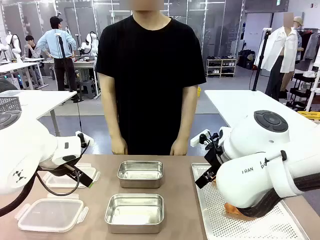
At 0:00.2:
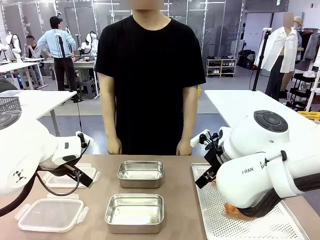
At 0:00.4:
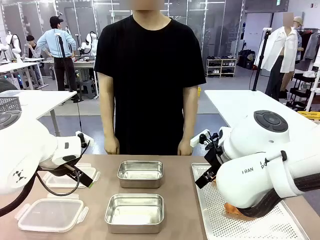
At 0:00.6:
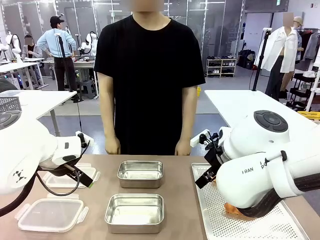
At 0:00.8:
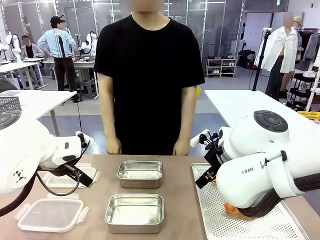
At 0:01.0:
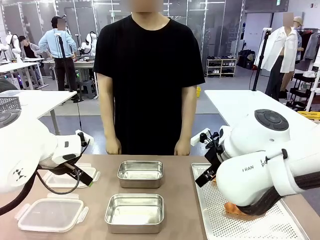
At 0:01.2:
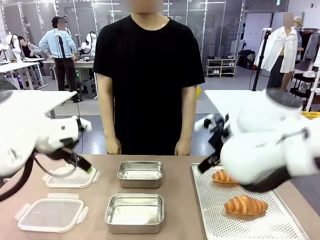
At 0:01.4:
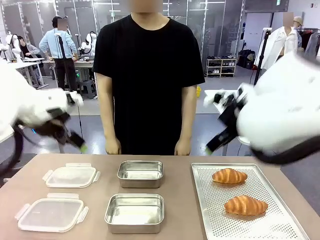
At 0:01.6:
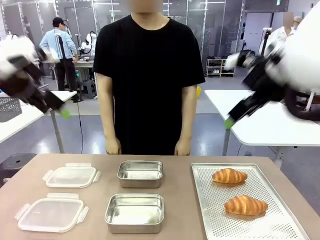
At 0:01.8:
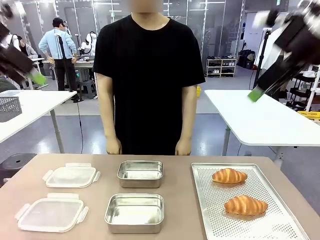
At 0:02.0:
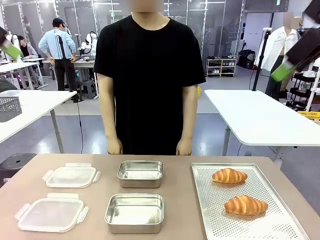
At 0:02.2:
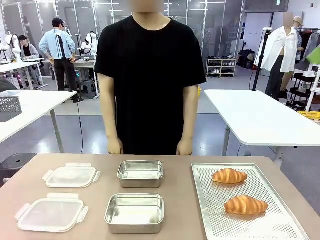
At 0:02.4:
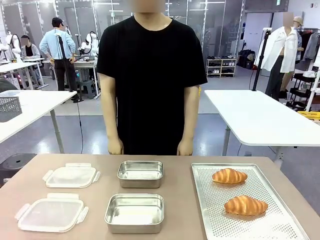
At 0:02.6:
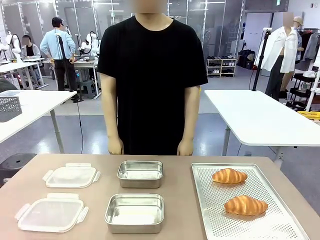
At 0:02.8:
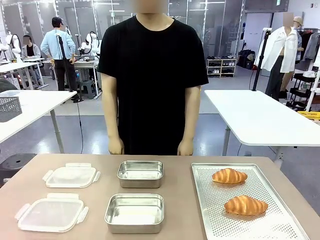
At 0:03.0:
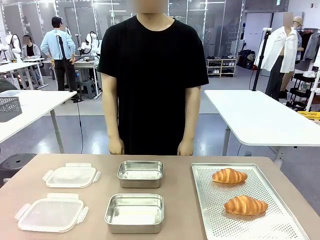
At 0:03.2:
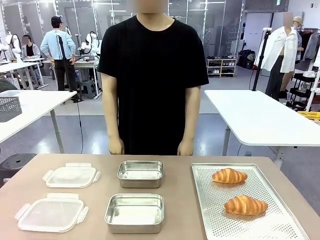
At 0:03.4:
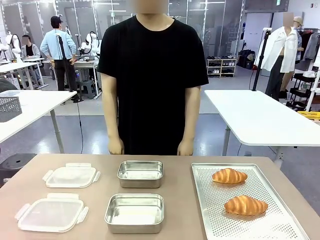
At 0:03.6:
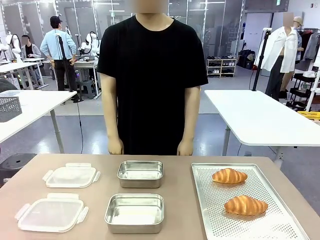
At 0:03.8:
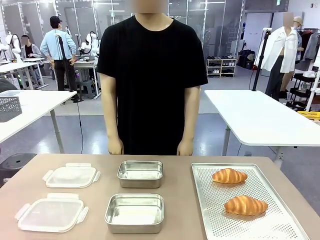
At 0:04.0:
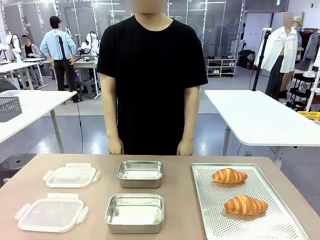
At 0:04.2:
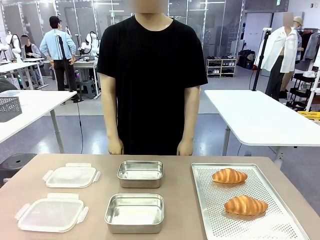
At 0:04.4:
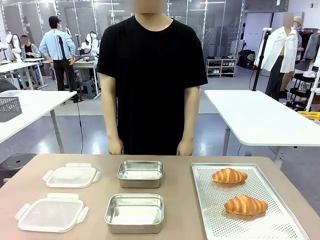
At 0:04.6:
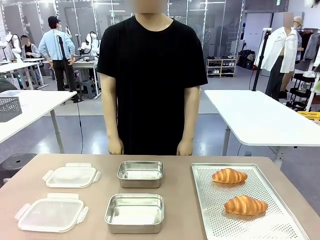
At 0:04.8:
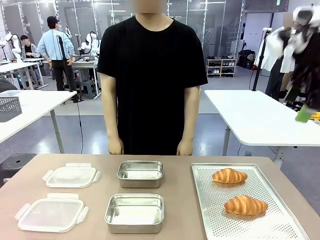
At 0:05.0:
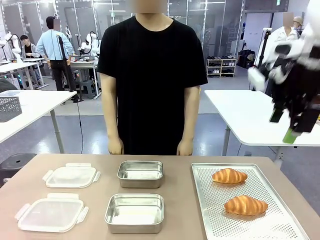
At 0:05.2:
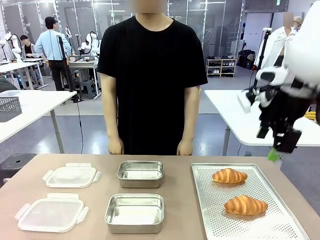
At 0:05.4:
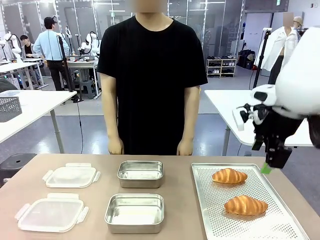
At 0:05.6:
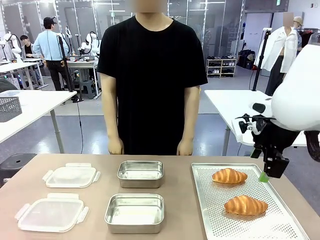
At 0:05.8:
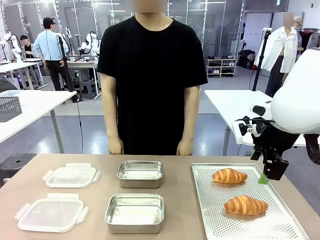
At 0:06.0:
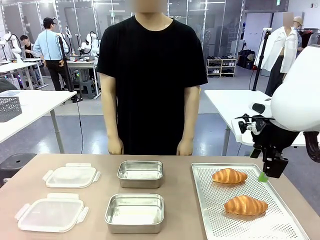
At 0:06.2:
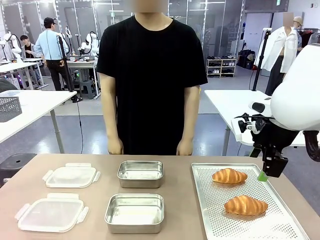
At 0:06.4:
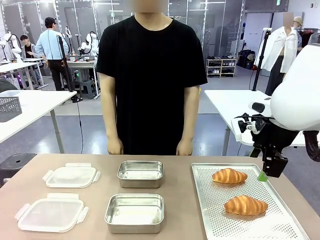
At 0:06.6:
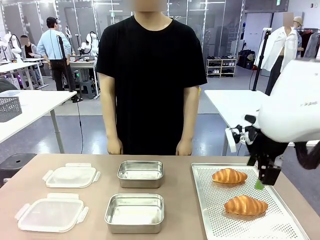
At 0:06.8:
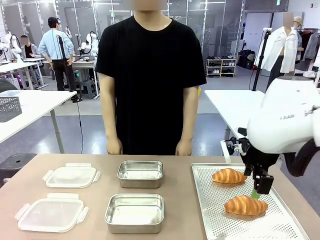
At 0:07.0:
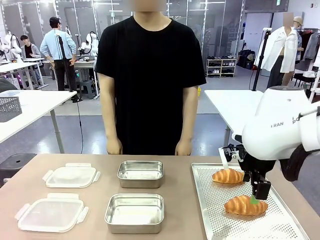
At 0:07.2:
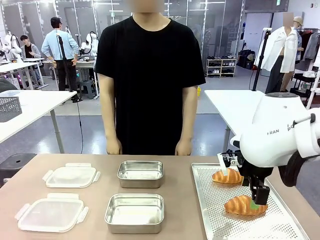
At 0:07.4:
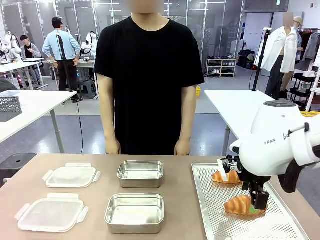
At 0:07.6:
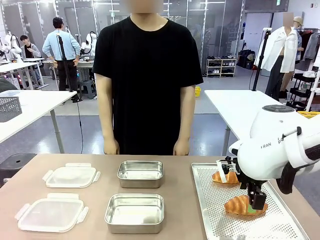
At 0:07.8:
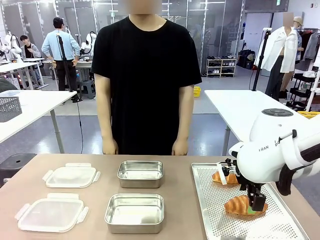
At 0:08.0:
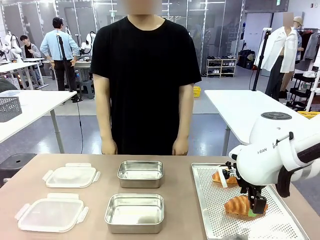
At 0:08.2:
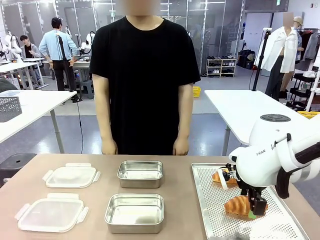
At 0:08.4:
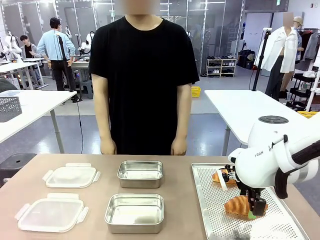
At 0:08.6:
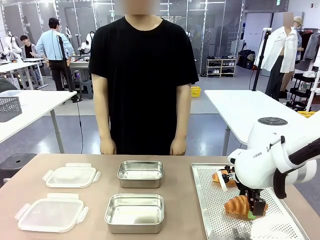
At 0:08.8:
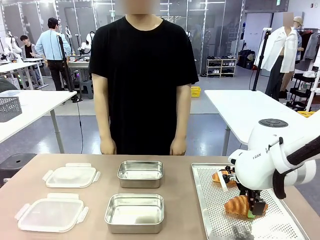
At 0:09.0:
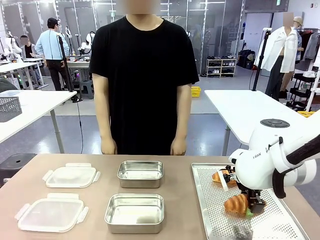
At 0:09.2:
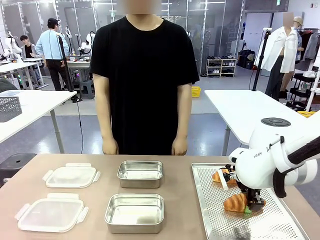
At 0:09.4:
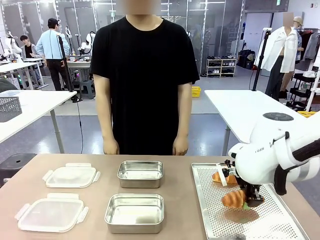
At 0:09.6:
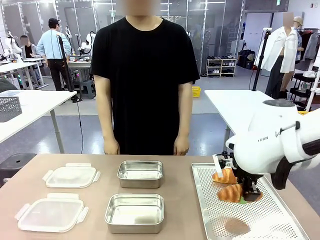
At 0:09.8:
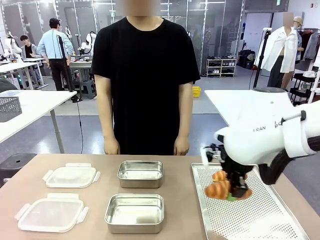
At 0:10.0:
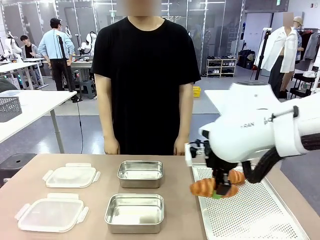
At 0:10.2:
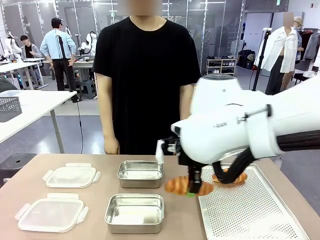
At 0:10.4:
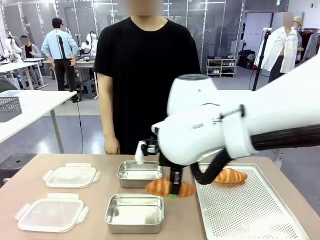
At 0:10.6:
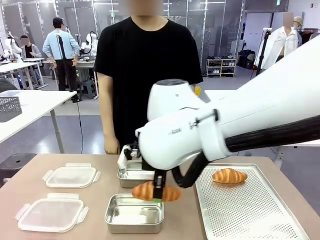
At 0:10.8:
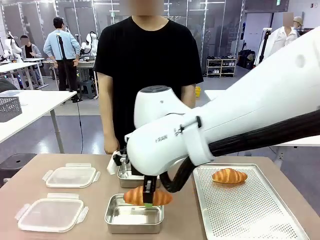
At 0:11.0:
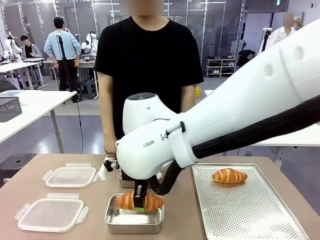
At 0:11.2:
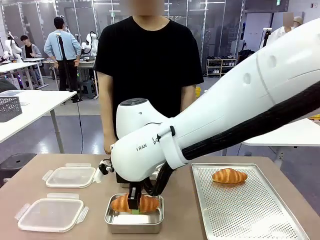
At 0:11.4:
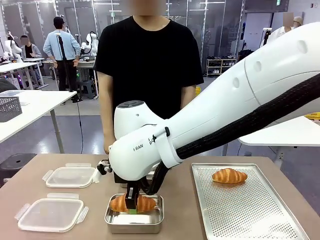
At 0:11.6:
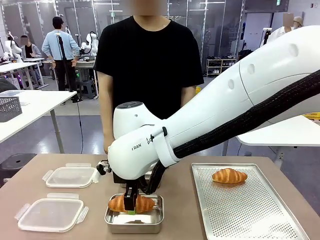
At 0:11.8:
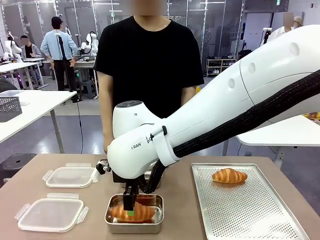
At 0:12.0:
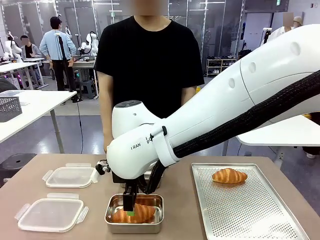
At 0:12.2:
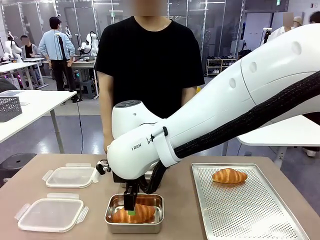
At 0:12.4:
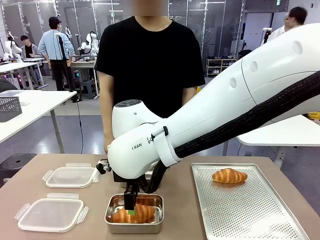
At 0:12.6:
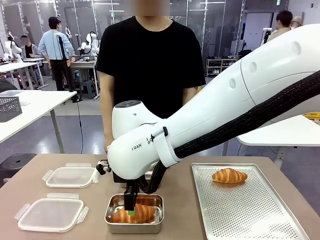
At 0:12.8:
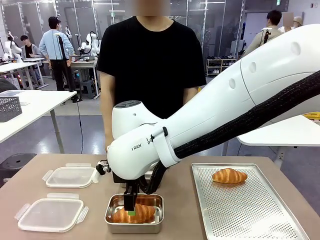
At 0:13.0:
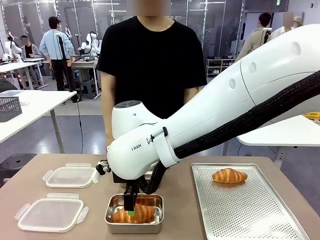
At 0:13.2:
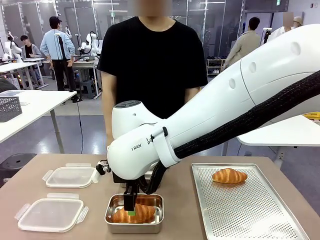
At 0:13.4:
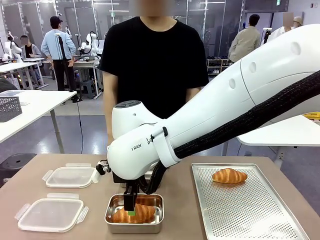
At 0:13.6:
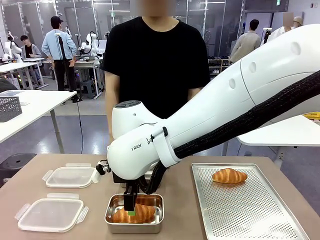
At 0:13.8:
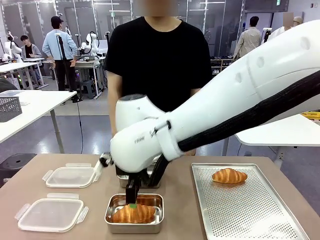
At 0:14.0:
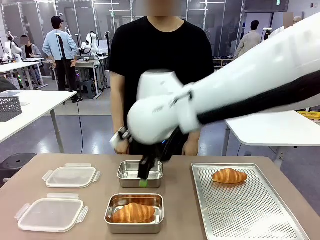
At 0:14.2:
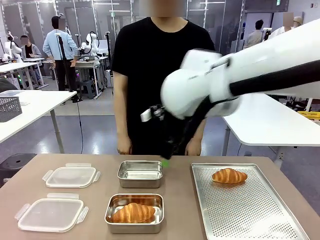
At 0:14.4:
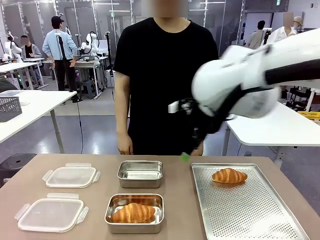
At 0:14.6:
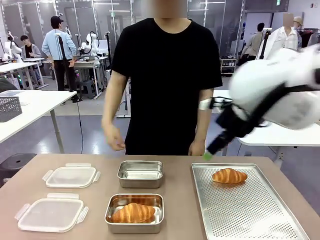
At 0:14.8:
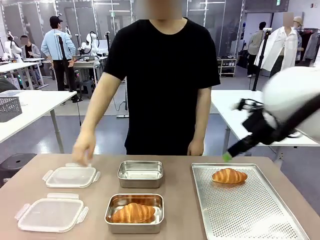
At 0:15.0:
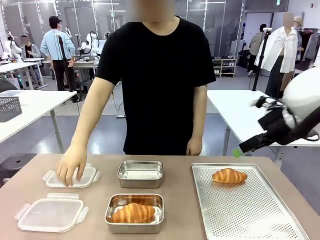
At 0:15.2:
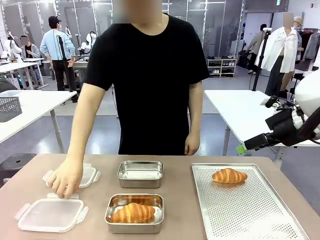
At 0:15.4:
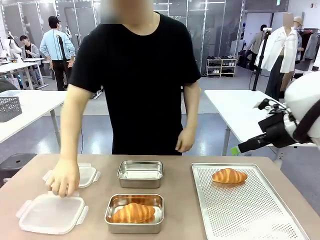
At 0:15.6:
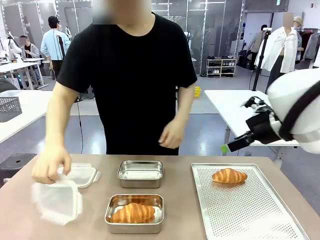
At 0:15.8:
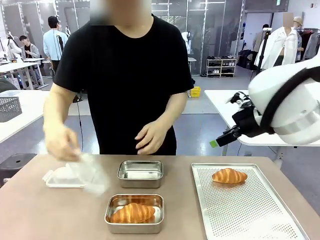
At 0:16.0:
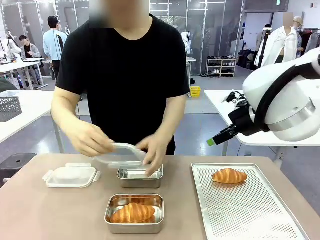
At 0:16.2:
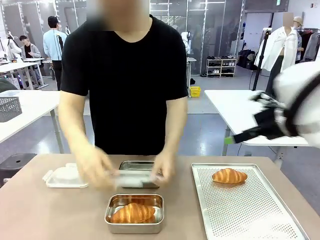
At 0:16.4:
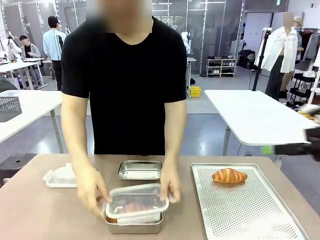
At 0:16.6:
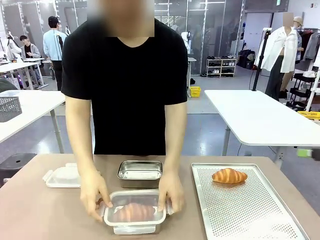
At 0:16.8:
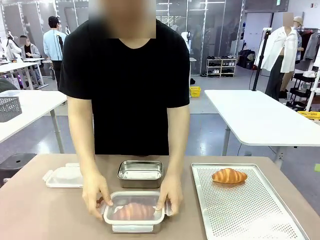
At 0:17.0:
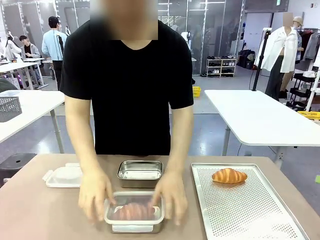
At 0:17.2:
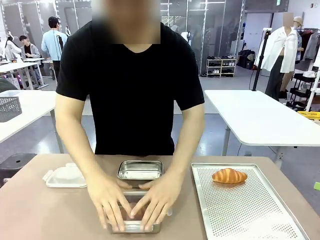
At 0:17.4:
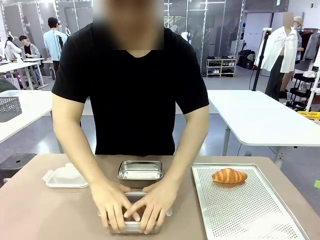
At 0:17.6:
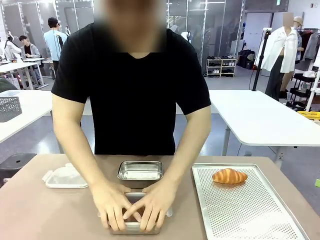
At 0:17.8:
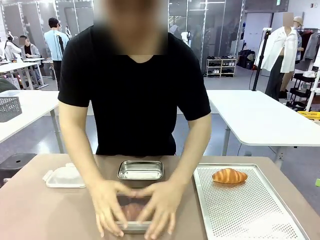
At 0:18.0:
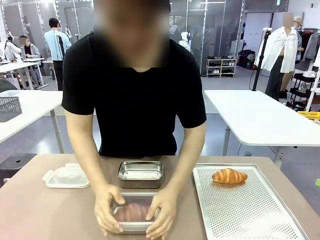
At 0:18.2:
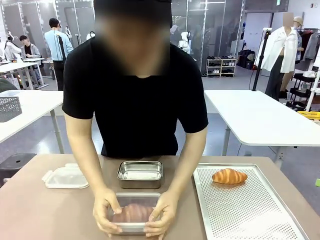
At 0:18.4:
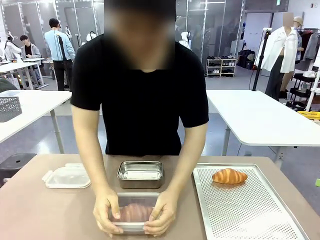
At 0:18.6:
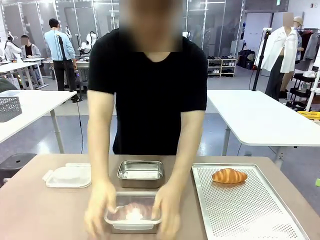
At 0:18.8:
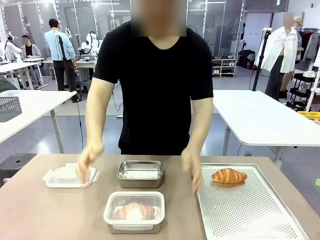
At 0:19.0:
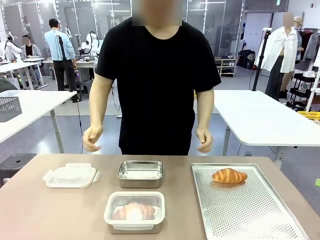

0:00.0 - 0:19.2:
Task: Place the bread into the airtight container.
Robot: Pick up a Butter Roll and place it into an empty Airtight Container.
